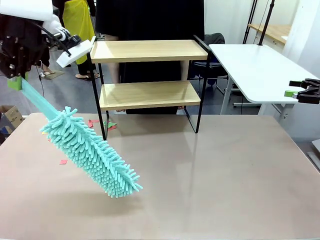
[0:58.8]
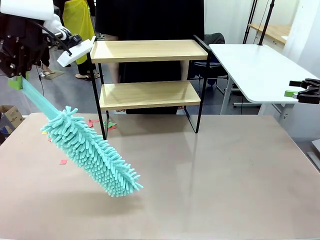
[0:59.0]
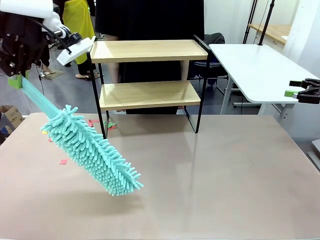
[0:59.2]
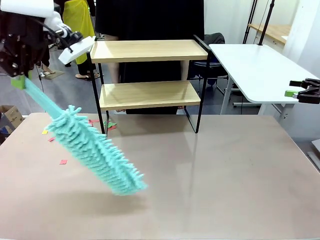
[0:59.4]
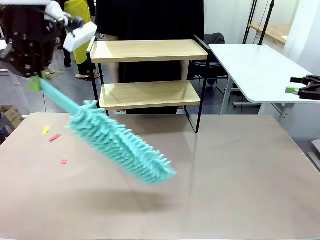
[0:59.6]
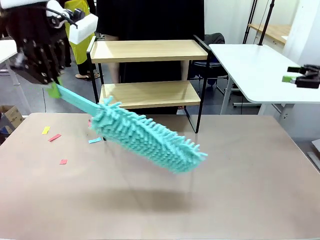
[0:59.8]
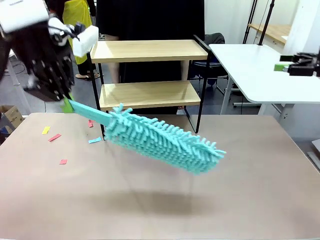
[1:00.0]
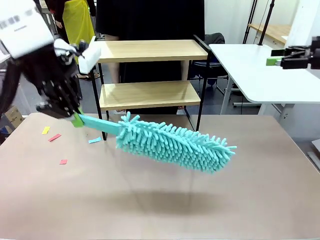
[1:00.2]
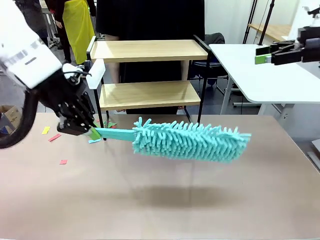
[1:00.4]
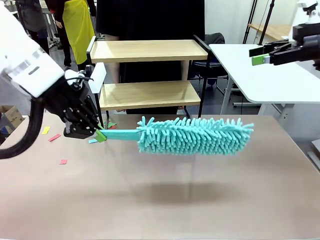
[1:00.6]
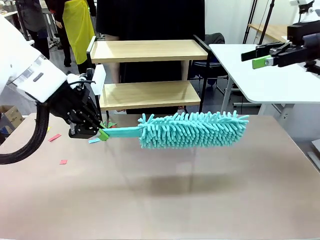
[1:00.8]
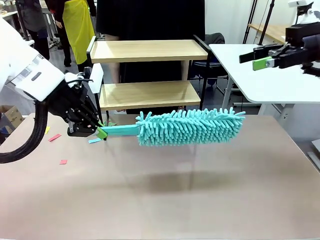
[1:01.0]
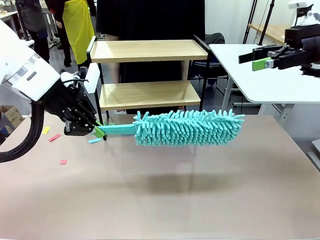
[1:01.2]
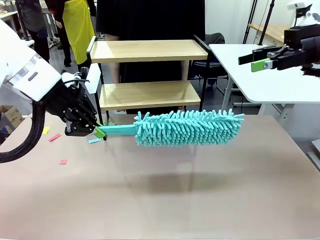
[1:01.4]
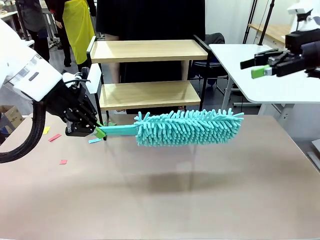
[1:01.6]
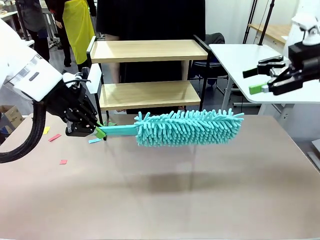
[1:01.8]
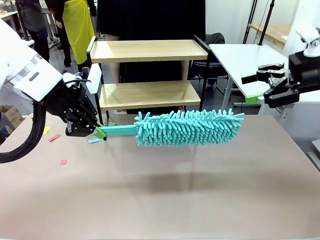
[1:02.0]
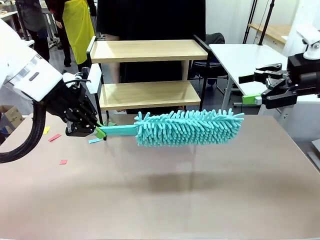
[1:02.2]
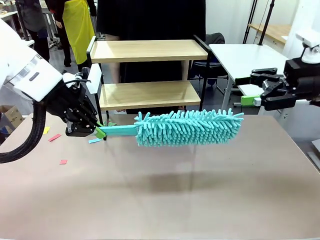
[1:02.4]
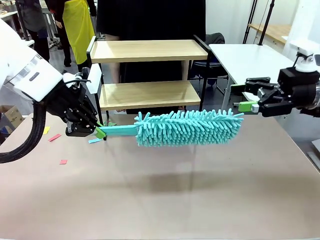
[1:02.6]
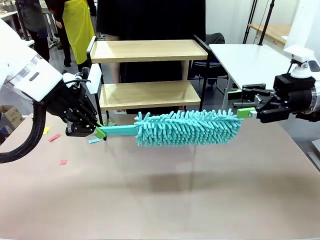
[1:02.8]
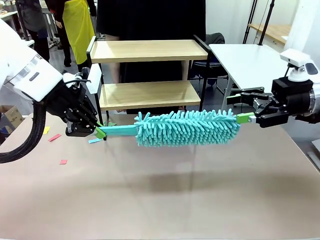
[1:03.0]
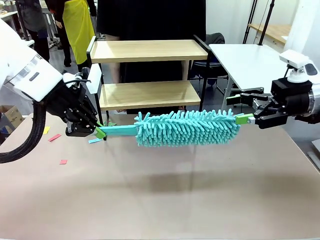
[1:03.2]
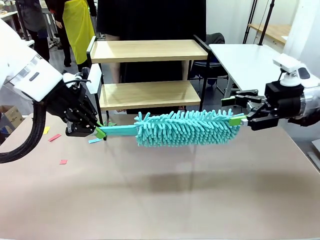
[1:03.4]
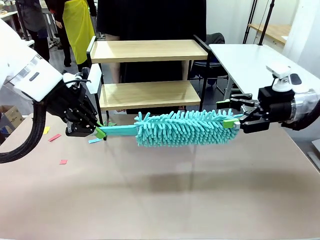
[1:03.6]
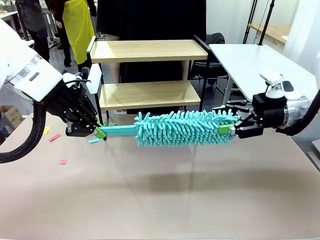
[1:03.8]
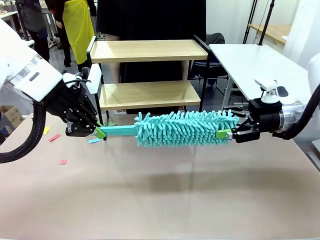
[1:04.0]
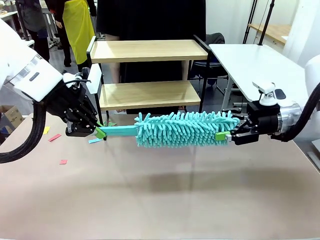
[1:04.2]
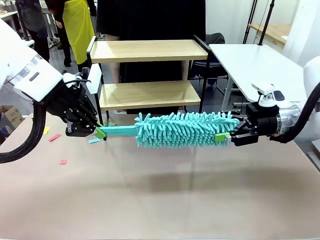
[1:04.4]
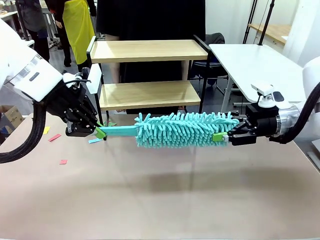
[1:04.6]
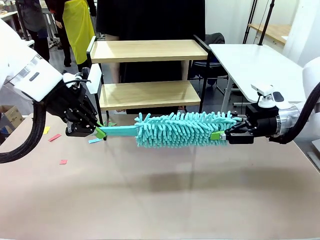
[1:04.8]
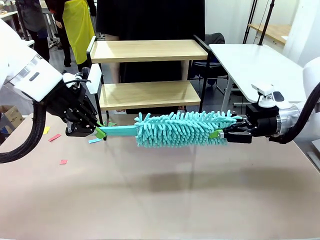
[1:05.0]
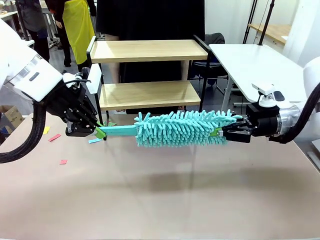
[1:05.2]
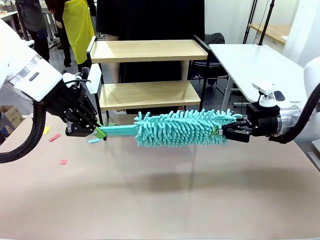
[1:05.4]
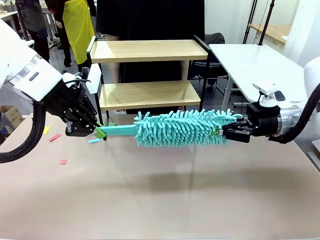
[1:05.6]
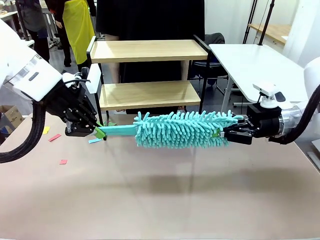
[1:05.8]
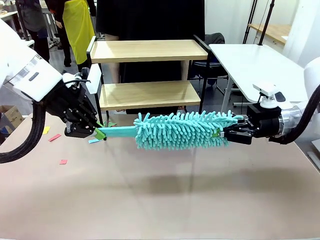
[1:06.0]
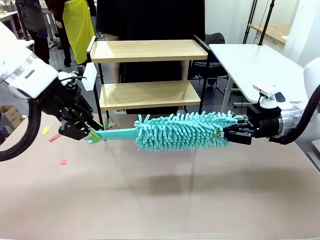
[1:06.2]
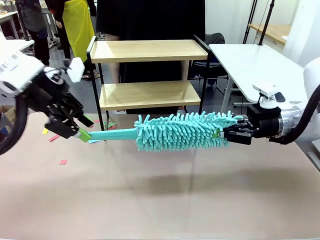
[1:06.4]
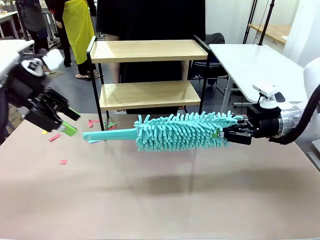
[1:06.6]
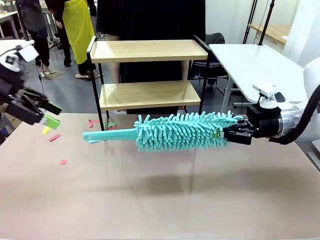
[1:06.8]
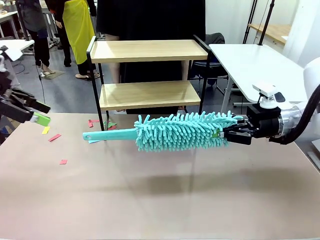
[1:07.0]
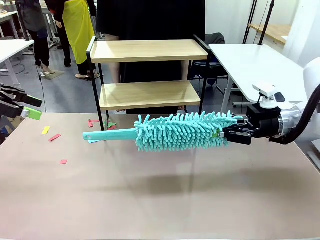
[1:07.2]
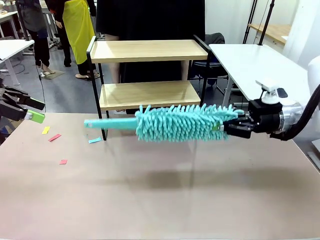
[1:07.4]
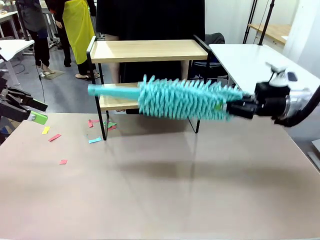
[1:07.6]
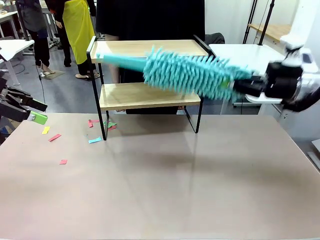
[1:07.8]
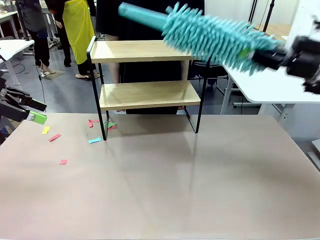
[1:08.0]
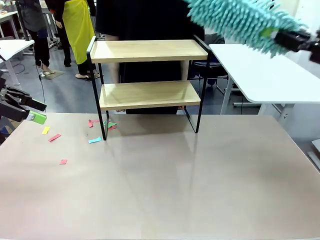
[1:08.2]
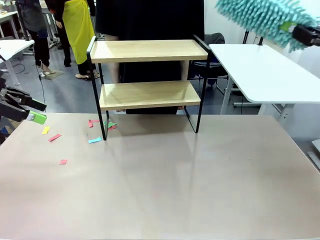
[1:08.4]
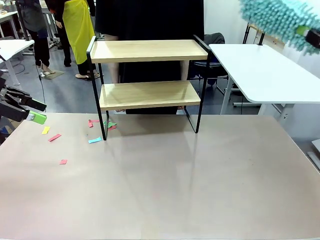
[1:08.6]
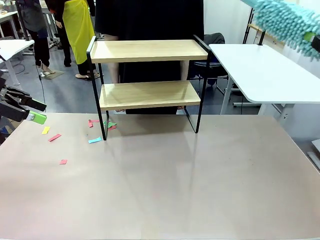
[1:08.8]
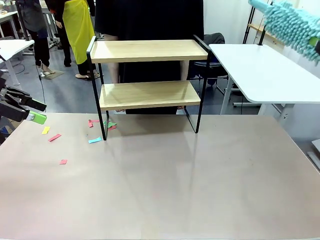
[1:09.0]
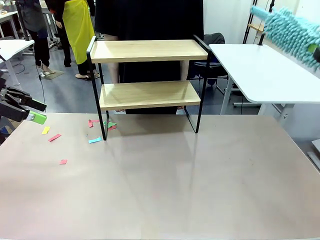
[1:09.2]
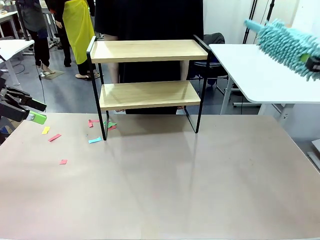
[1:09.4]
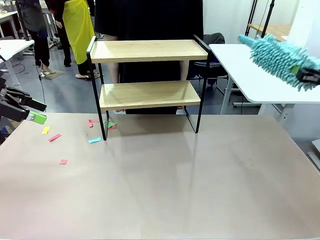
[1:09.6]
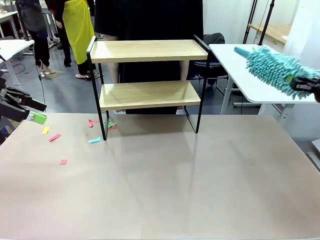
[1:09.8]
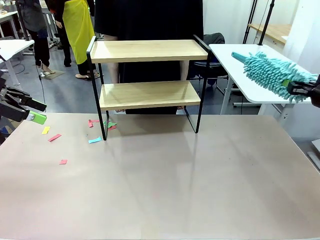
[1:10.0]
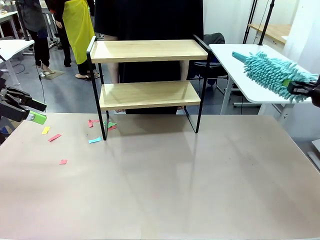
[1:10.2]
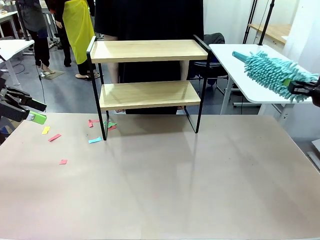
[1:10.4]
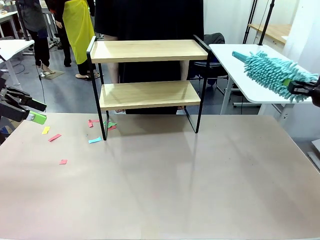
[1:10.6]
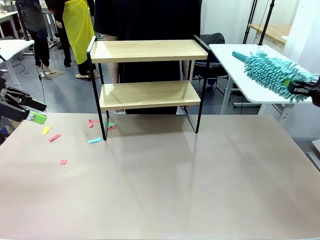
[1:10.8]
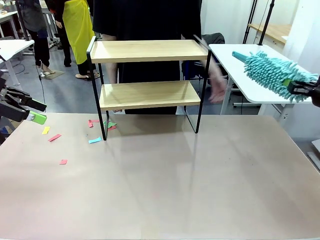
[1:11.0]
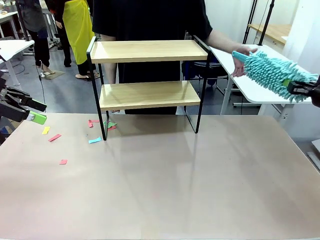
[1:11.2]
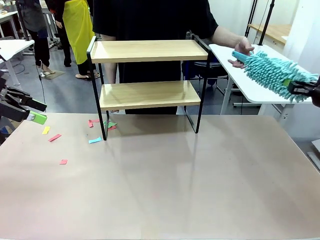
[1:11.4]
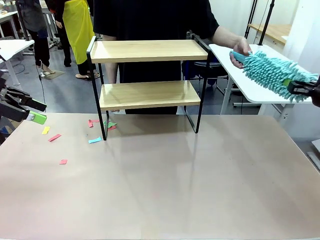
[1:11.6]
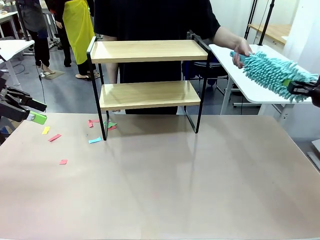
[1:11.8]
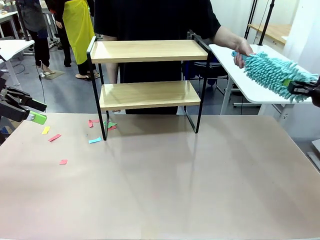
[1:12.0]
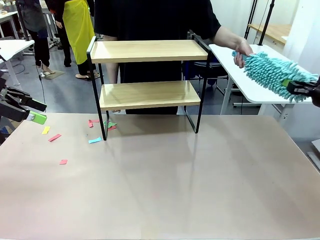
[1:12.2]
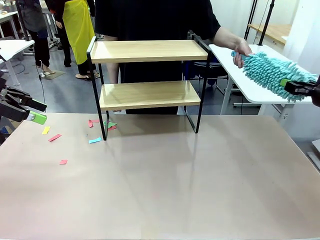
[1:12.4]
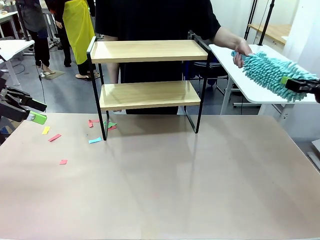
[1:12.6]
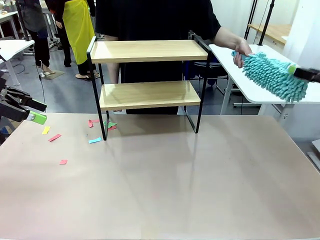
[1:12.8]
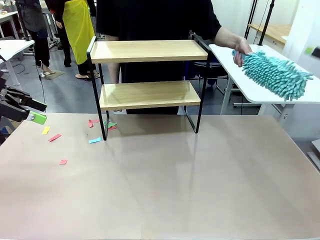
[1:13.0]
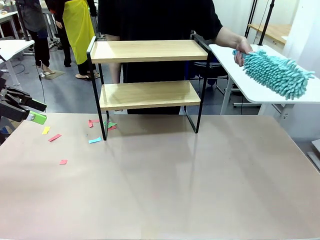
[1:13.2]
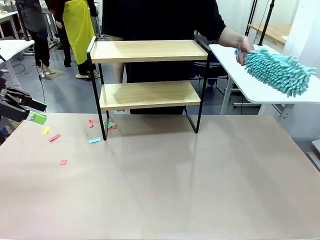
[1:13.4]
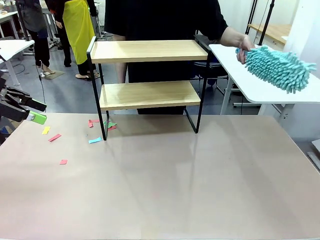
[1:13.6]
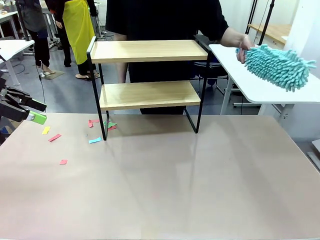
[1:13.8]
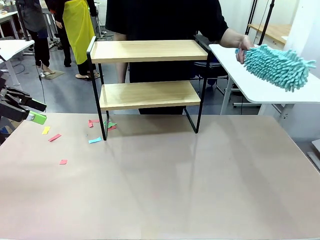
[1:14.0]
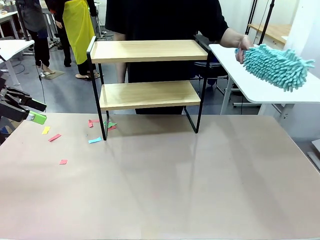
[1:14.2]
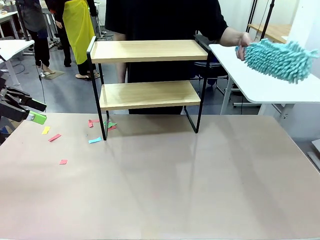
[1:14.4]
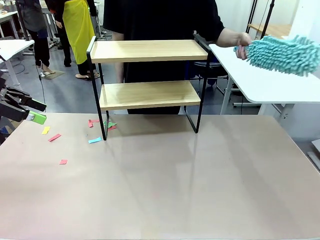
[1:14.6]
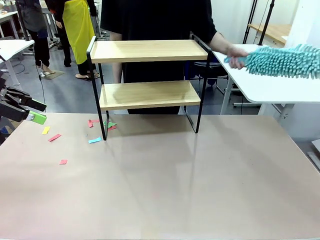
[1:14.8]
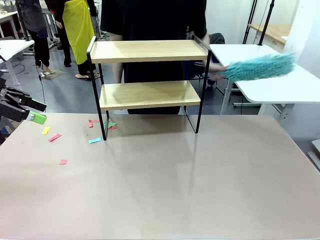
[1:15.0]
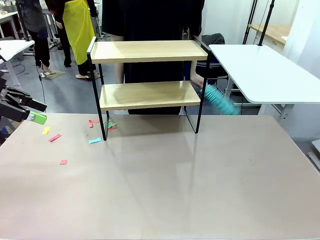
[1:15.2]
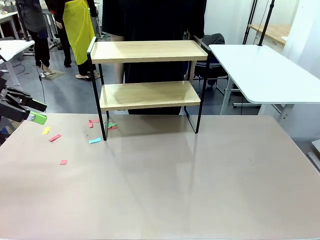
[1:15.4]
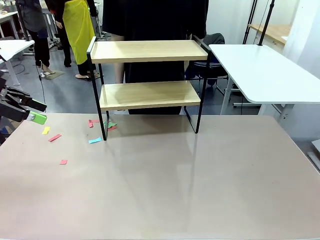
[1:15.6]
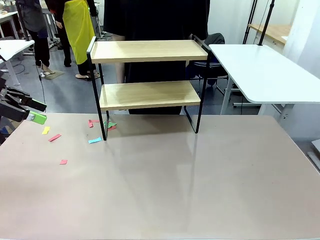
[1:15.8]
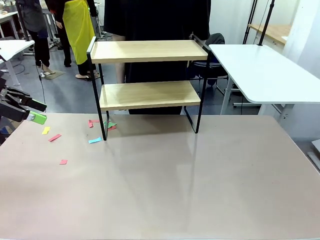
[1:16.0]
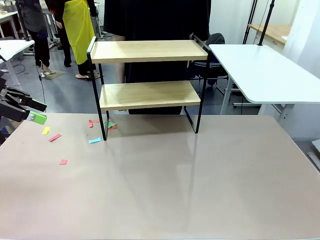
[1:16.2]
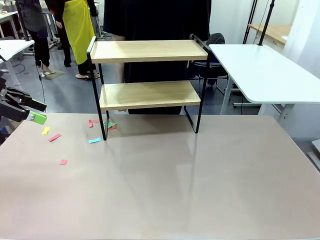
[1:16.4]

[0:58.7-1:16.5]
Task: Clean the shelf.
Robot: Hand the Duster back to the human.
Person: Receive the Duster from the robot.
